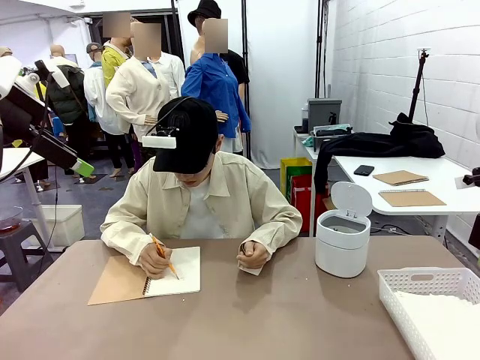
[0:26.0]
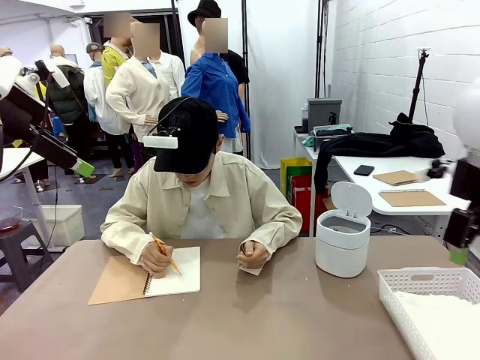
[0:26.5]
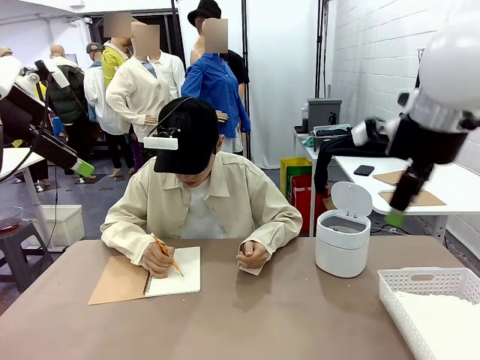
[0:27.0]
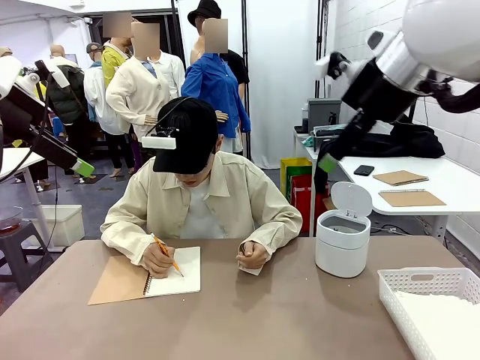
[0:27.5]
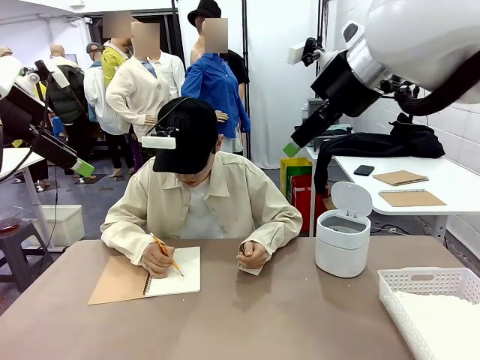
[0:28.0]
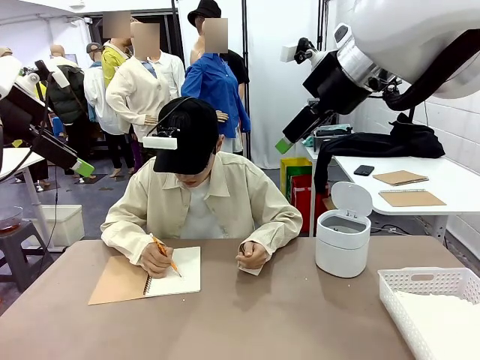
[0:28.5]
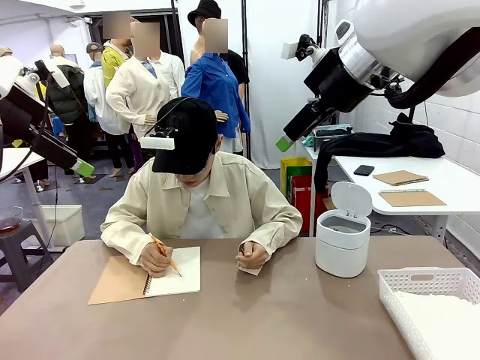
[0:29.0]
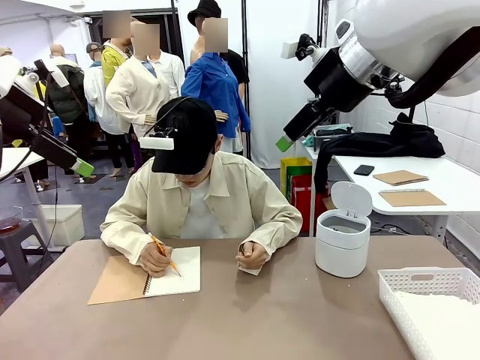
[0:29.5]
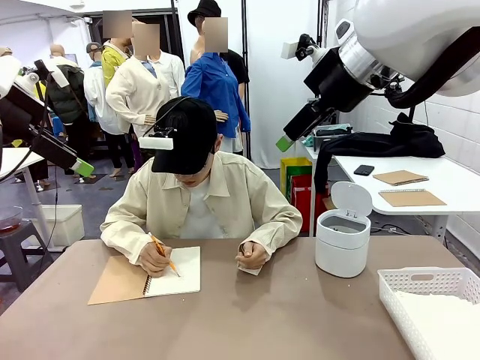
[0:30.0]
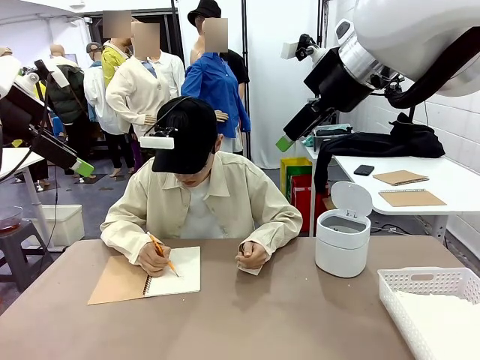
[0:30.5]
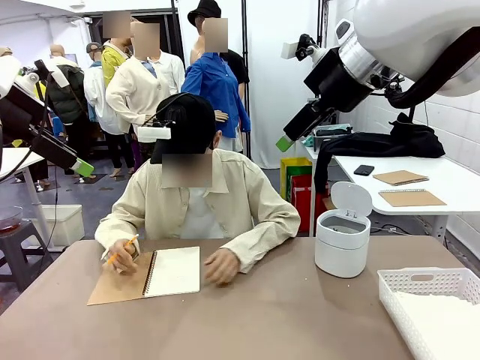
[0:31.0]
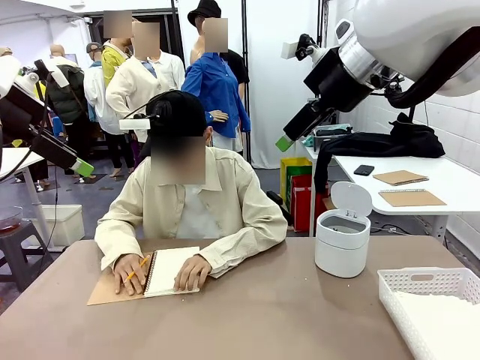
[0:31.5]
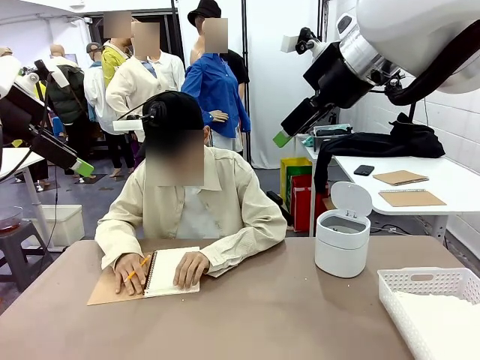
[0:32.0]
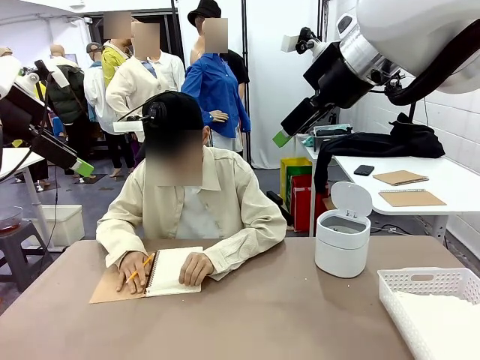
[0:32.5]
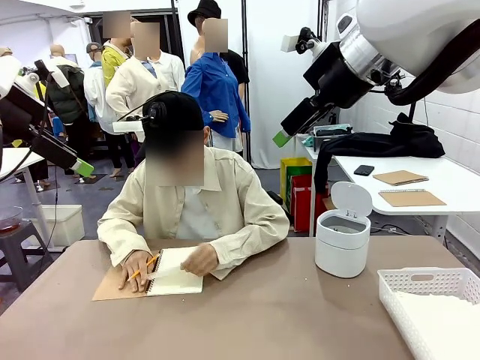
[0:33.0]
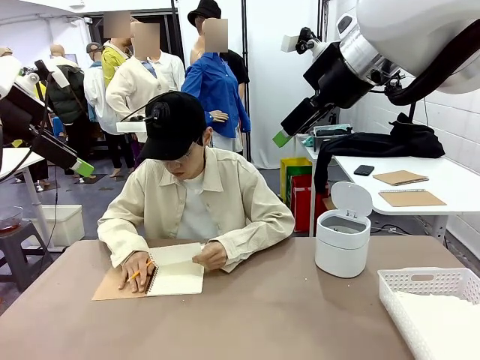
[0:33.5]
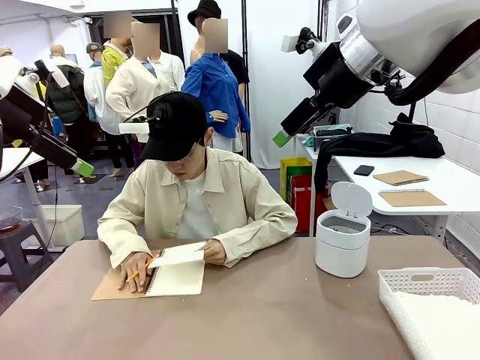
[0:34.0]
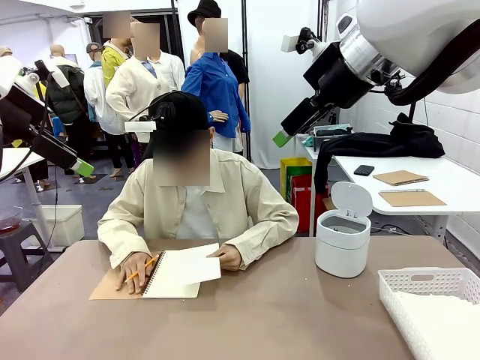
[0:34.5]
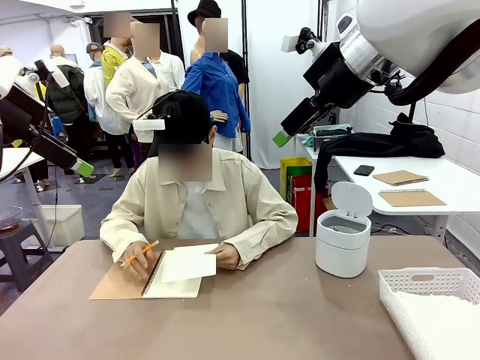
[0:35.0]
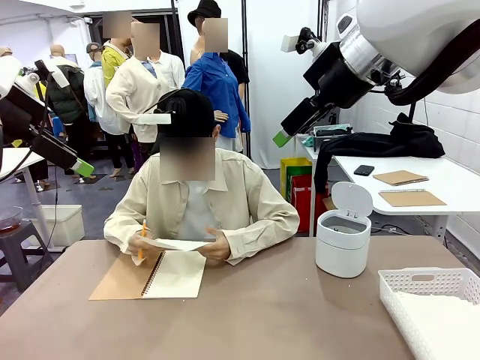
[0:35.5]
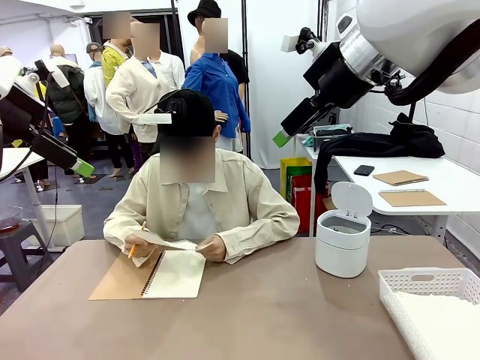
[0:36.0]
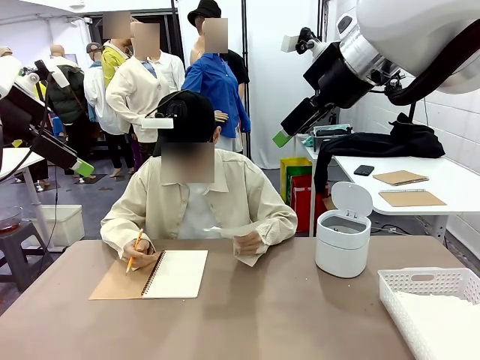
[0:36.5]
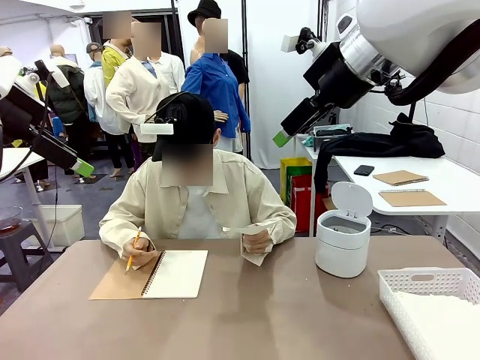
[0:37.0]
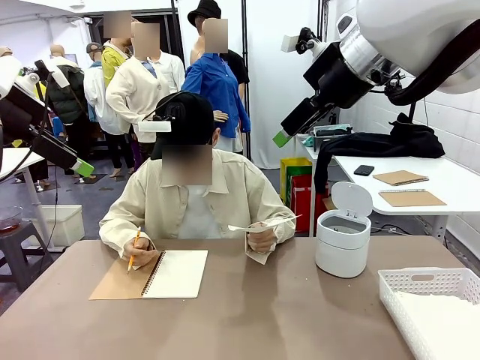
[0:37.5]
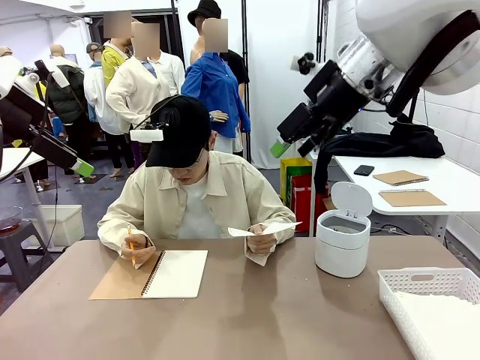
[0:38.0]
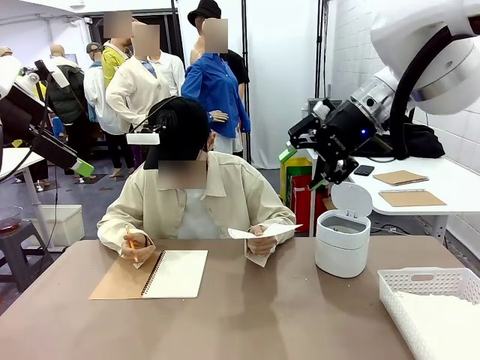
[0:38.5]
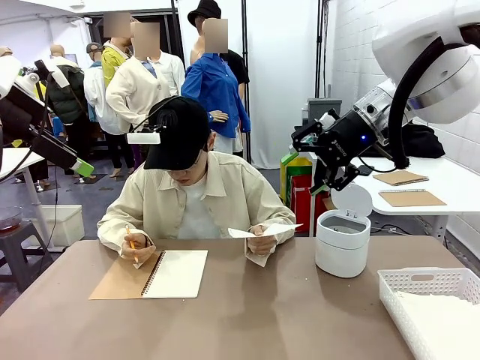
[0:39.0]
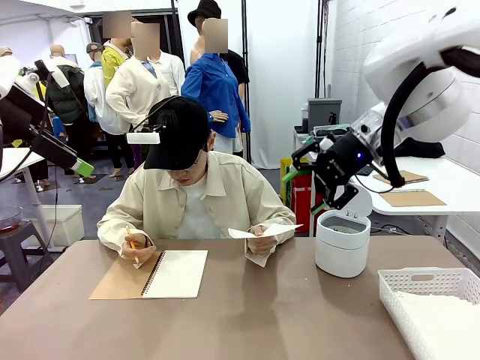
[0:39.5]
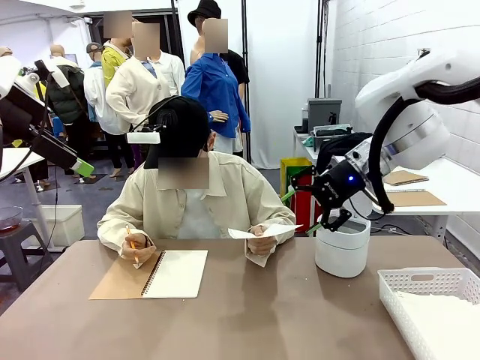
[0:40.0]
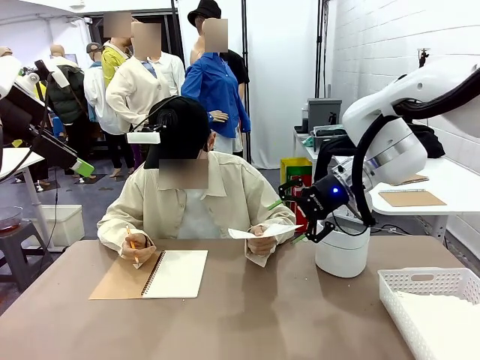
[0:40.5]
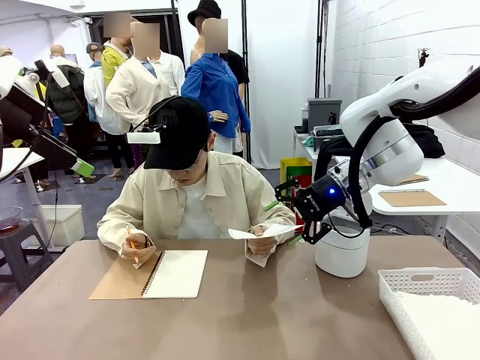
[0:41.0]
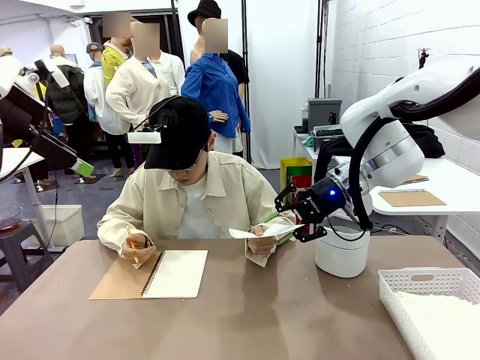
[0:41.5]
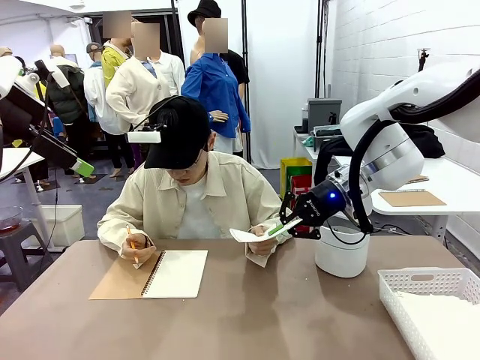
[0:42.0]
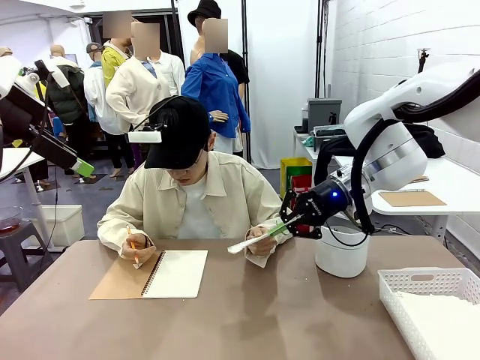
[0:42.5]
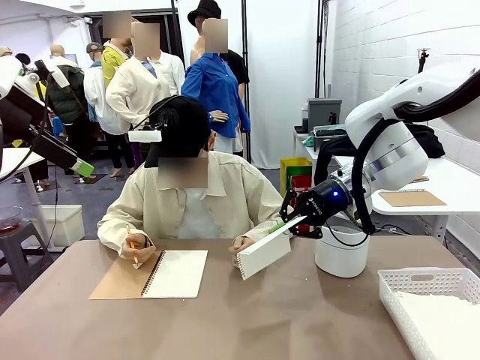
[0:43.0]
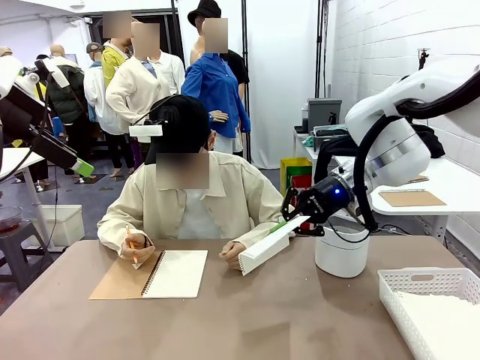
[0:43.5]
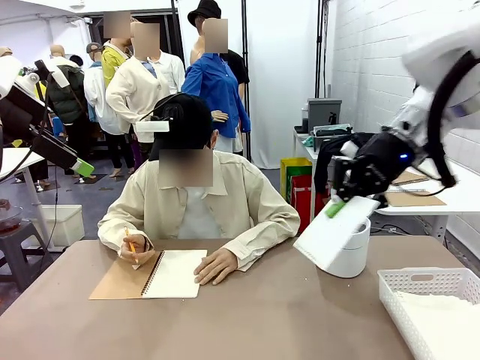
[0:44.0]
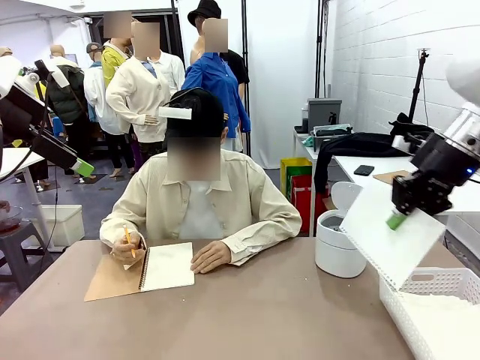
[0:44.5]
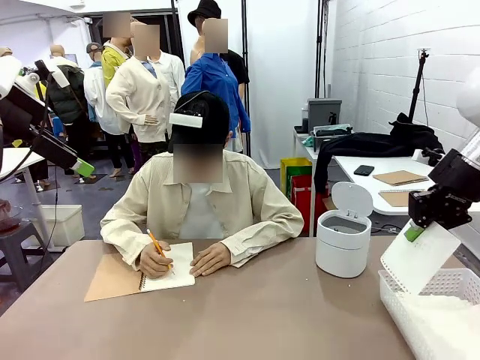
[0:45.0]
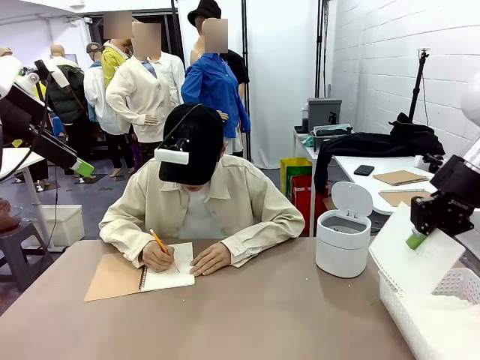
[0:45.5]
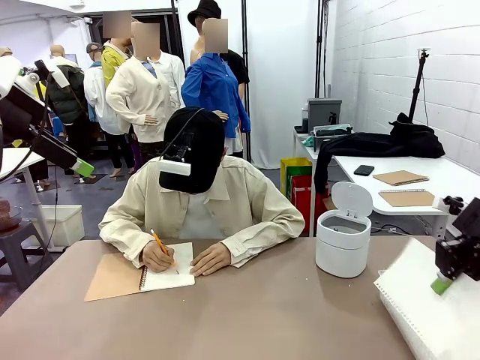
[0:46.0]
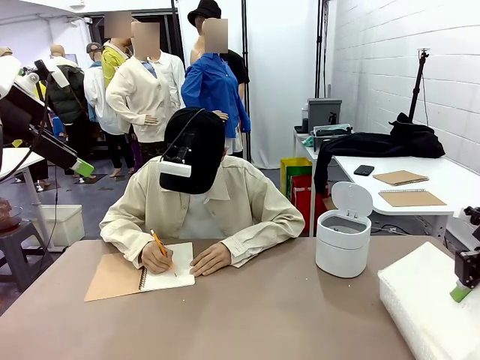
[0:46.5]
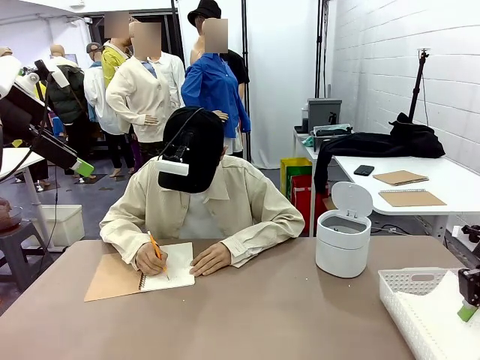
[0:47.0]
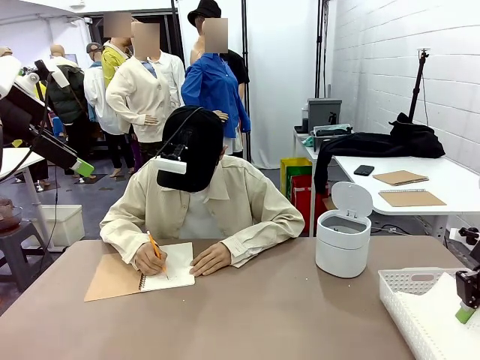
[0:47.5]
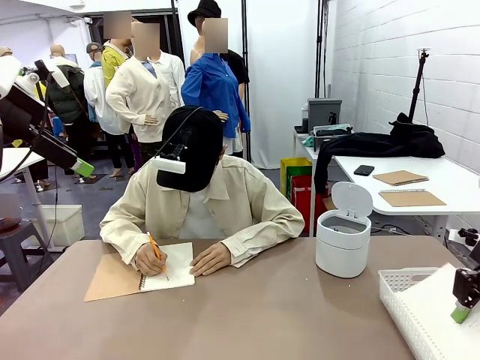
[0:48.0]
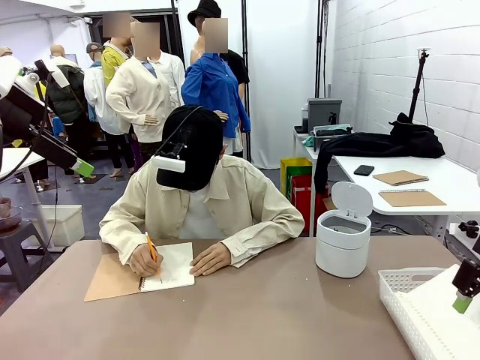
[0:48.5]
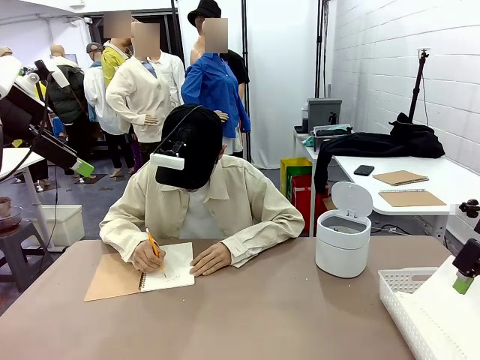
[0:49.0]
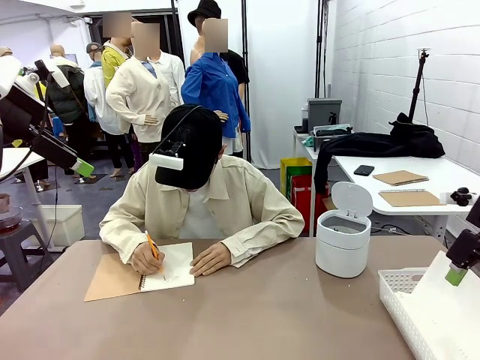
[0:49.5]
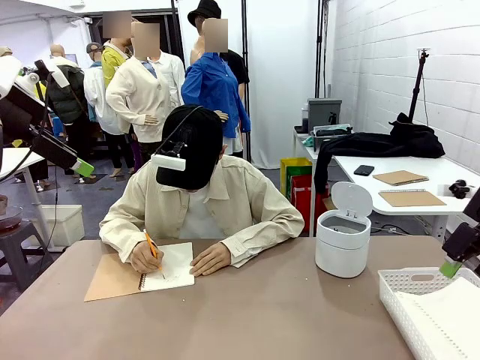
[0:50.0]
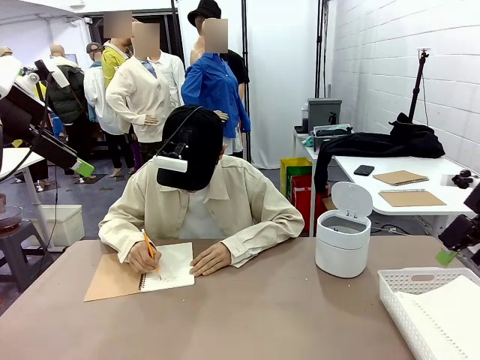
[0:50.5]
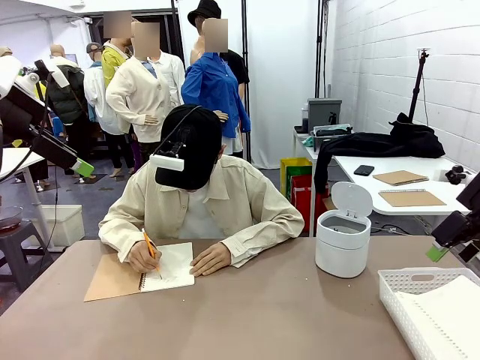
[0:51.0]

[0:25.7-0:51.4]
Task: Sort the paper based on its condition.
Robot: If a person hands you a paper, place it in the Organizing basket , and if it's crumpled, put it in the Trash can.
Person: Hand the torn page to the robot or crumple it and throw it to the center of the table. Tear out a page from the spiral notebook.
